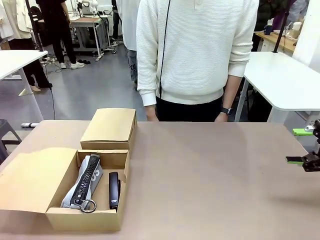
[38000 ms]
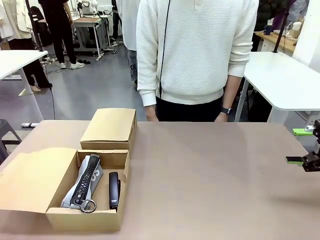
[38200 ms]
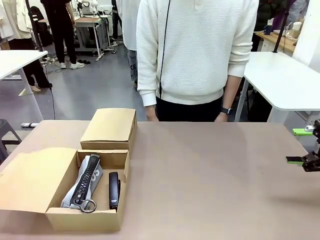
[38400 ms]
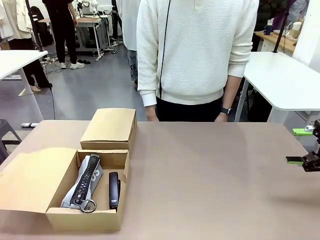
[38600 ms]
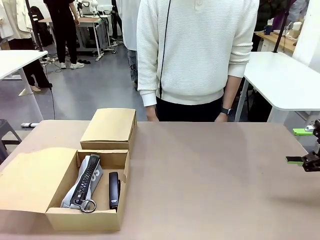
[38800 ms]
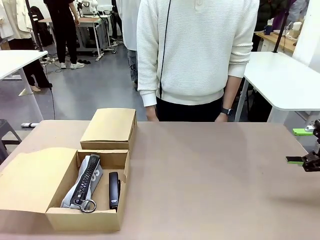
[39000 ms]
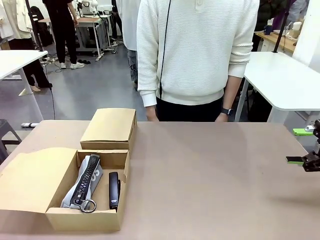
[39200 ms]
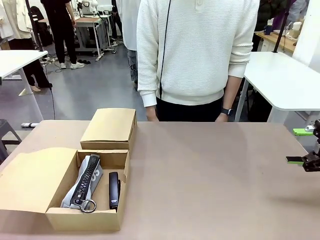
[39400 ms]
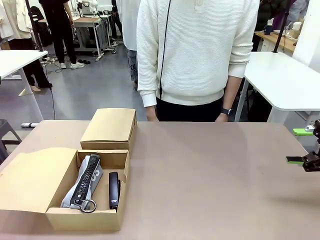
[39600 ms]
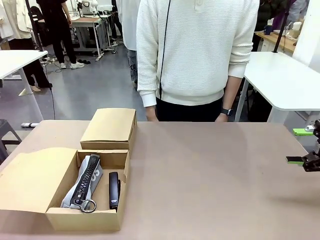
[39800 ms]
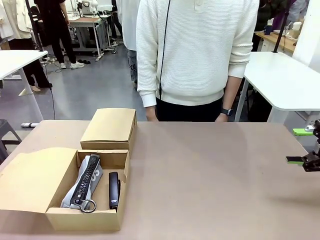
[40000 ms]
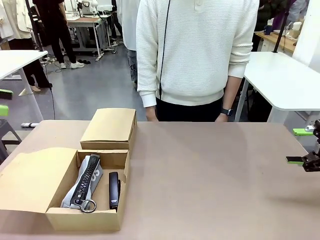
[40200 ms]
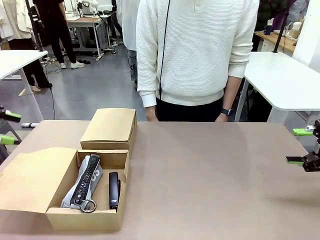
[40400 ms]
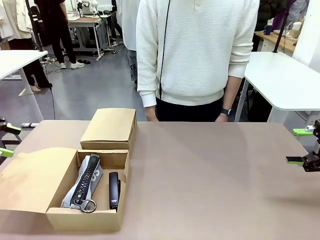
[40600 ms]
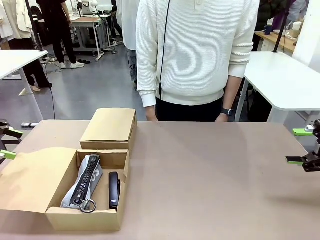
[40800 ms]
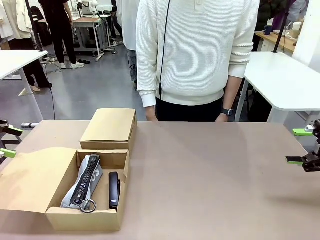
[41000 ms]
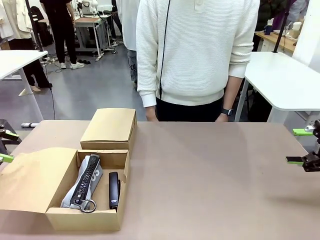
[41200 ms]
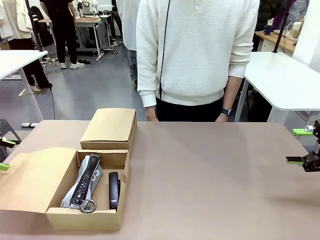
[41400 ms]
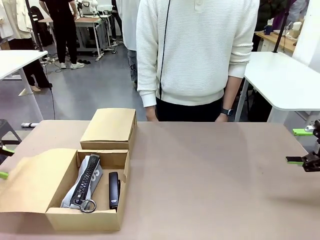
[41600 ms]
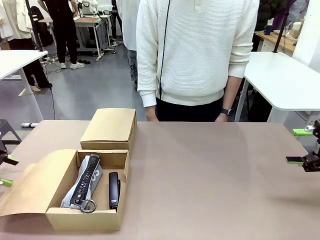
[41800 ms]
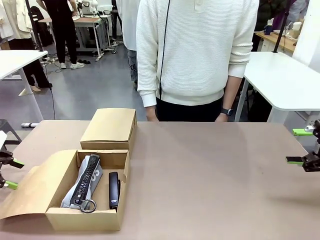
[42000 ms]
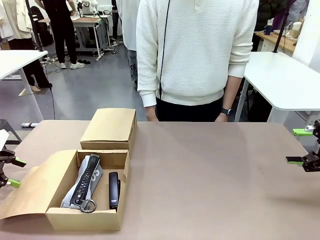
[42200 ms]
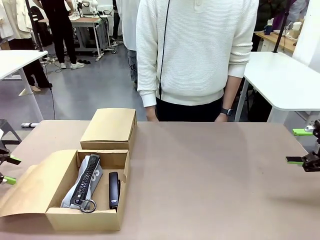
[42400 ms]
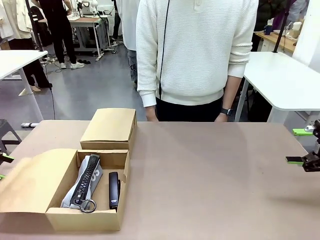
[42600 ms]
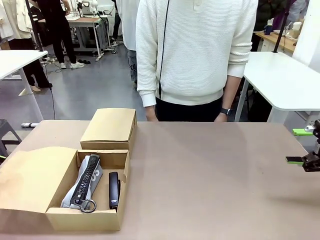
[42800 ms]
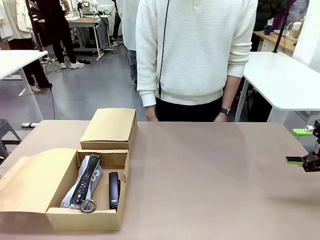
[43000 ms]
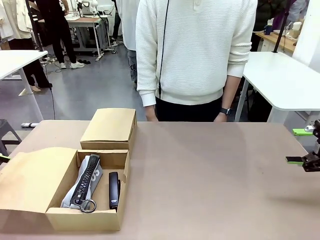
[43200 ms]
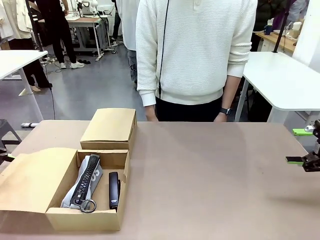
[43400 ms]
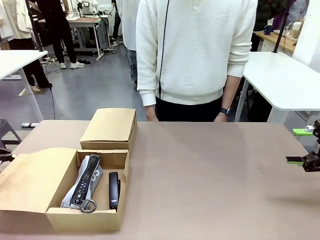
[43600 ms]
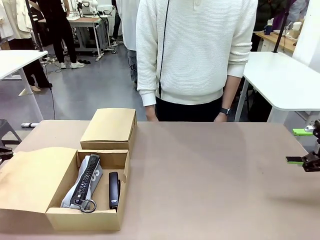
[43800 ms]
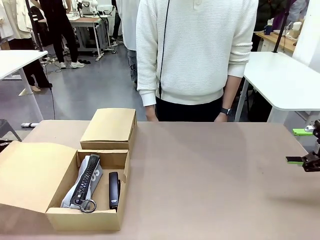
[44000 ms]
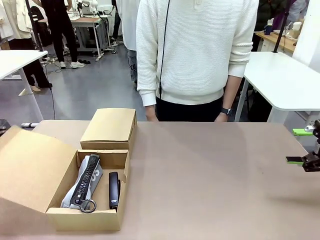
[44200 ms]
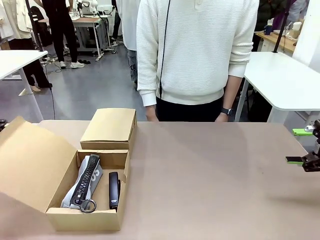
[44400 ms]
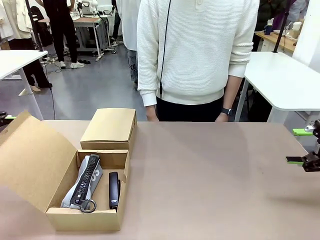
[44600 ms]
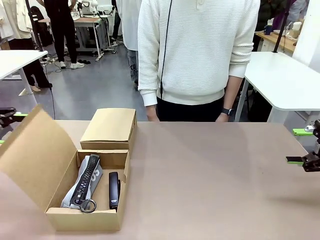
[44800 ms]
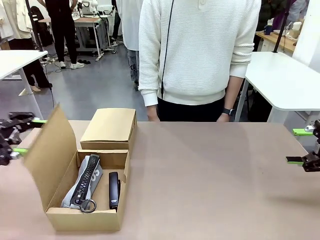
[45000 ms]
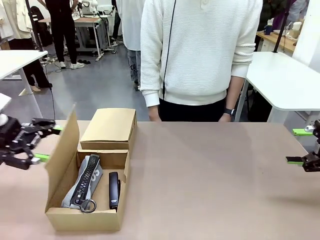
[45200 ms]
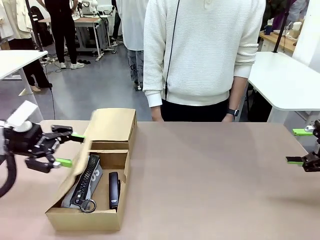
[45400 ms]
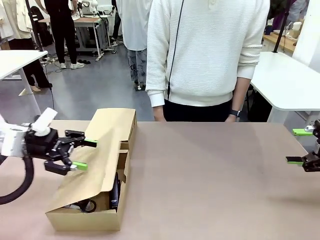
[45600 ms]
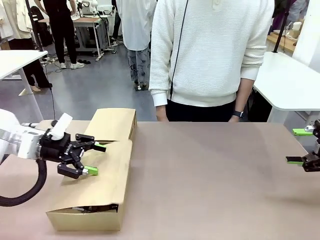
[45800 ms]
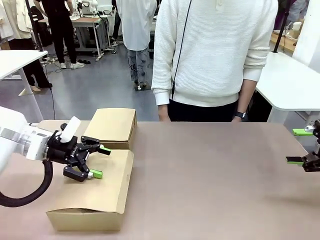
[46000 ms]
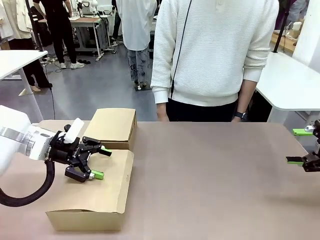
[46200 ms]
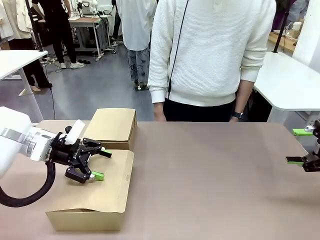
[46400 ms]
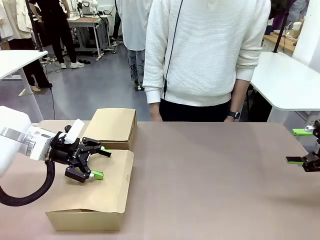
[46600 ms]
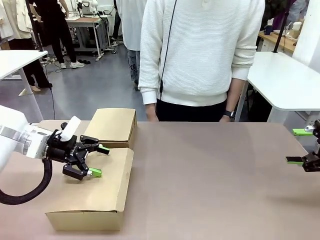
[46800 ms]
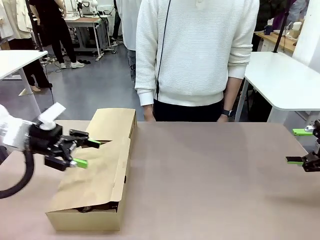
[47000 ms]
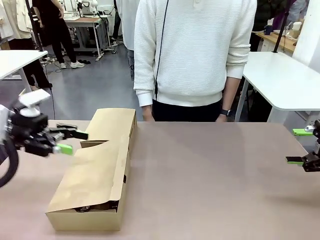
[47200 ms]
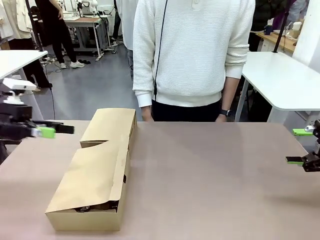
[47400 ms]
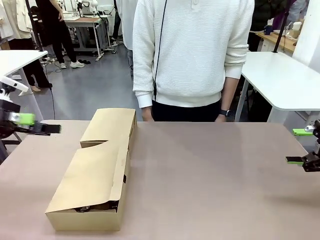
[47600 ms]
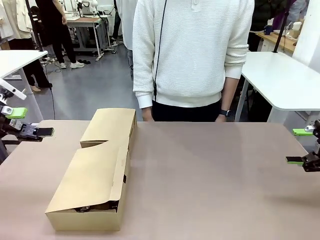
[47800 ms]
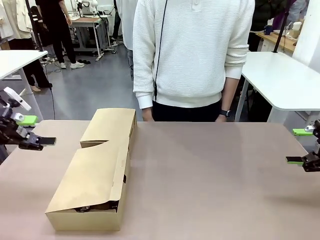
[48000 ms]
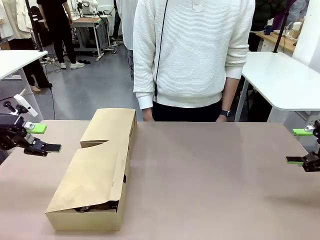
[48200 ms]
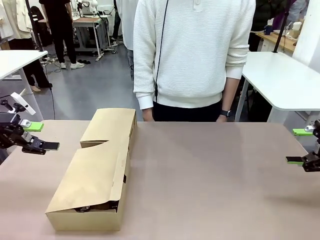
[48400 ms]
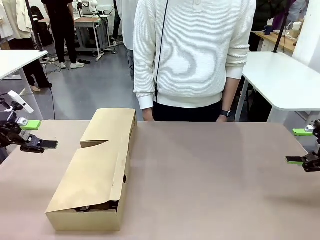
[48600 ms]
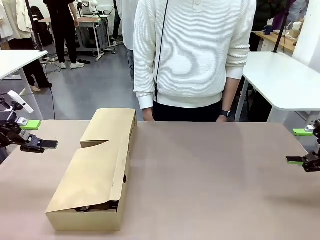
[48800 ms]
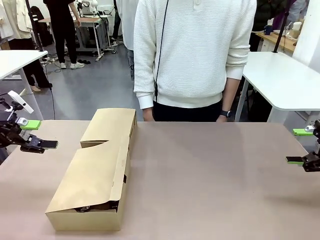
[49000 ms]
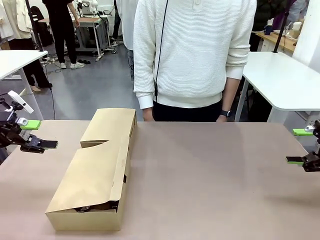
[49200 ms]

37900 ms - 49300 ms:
Task: Place items inside the box.
Robot: Close the lid of the Mailer Box closest to the robot.

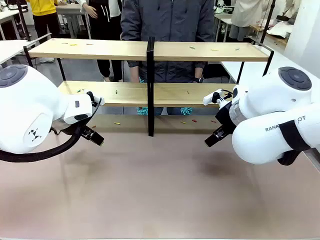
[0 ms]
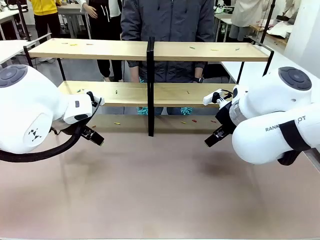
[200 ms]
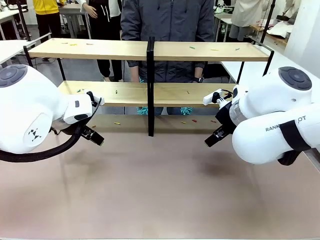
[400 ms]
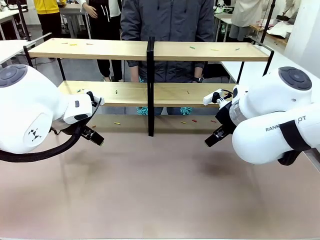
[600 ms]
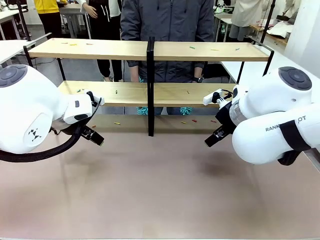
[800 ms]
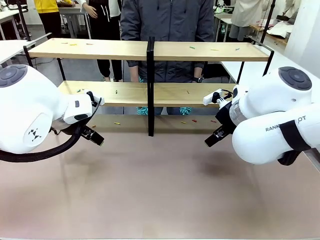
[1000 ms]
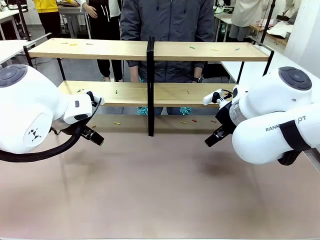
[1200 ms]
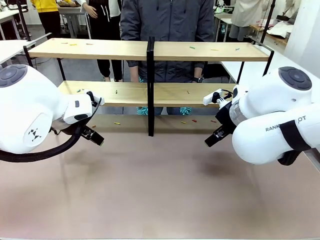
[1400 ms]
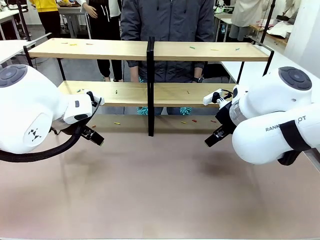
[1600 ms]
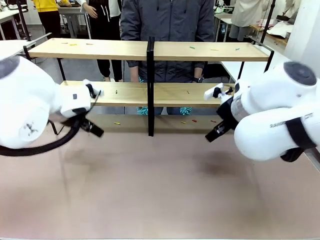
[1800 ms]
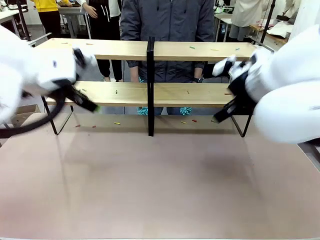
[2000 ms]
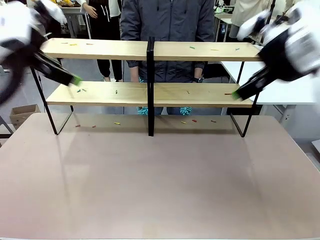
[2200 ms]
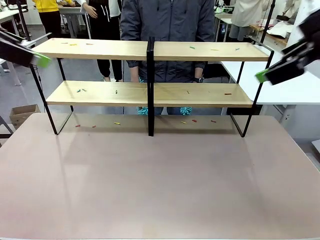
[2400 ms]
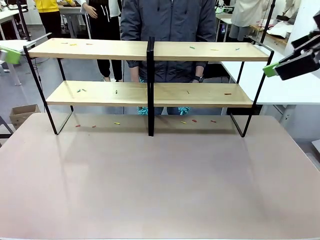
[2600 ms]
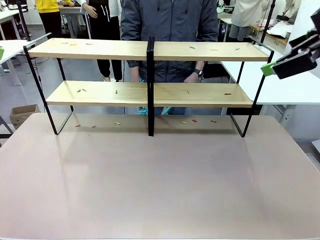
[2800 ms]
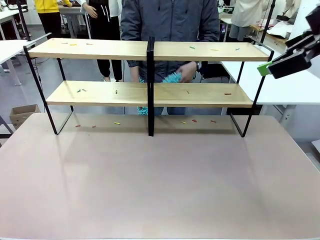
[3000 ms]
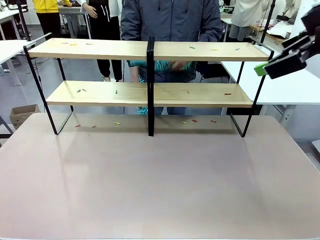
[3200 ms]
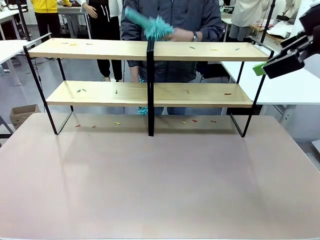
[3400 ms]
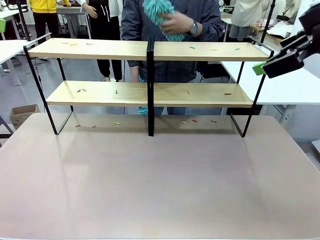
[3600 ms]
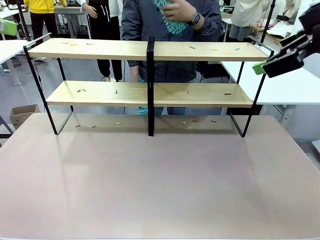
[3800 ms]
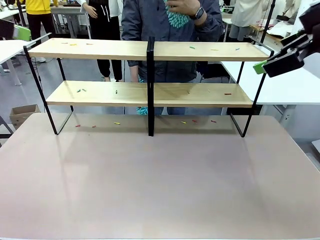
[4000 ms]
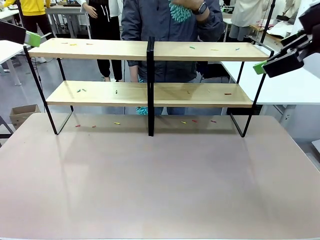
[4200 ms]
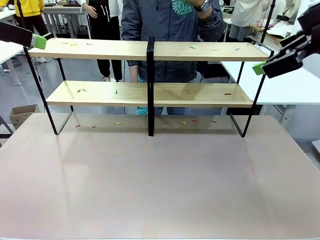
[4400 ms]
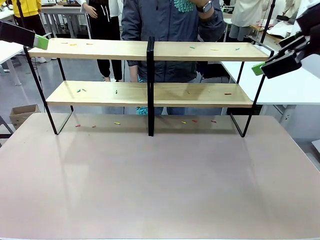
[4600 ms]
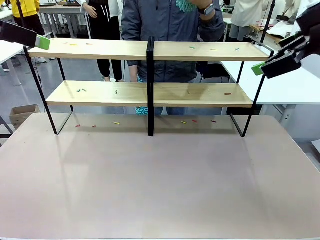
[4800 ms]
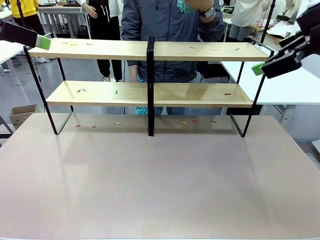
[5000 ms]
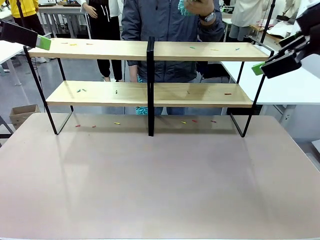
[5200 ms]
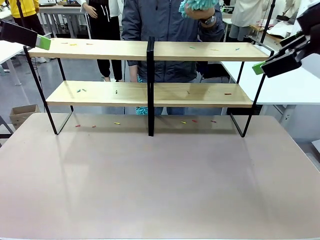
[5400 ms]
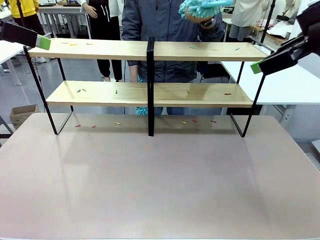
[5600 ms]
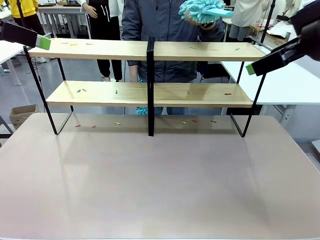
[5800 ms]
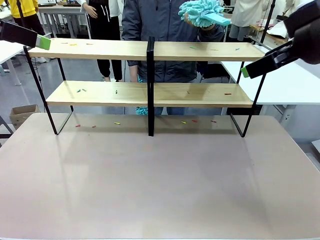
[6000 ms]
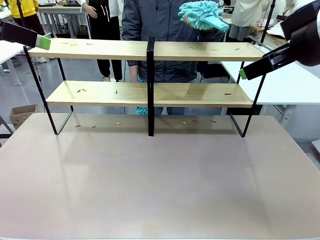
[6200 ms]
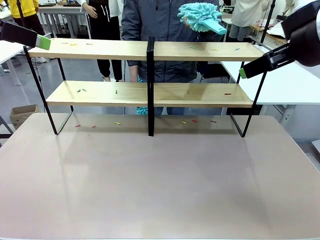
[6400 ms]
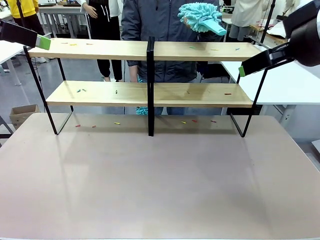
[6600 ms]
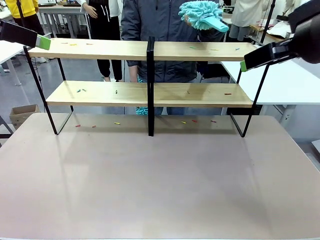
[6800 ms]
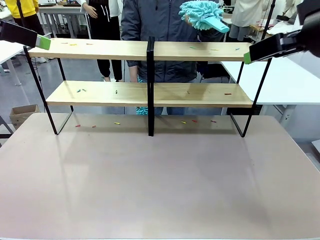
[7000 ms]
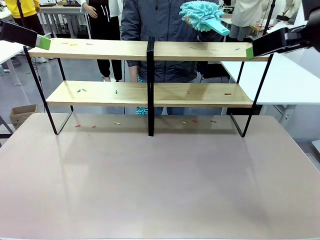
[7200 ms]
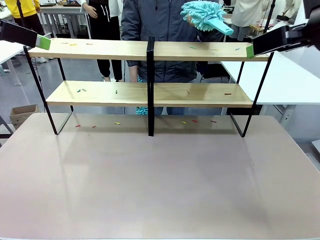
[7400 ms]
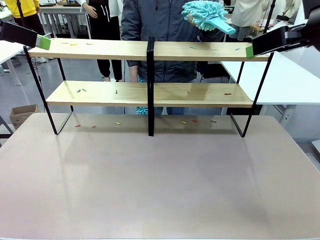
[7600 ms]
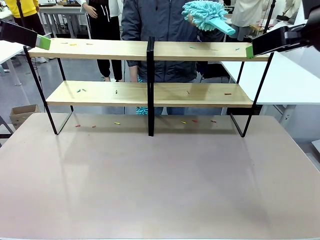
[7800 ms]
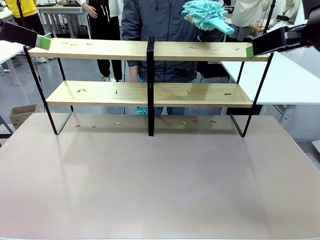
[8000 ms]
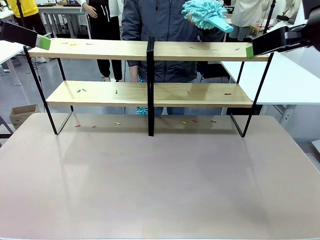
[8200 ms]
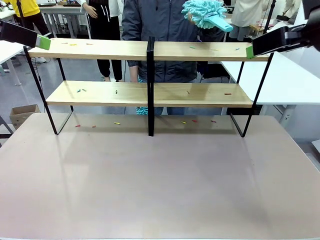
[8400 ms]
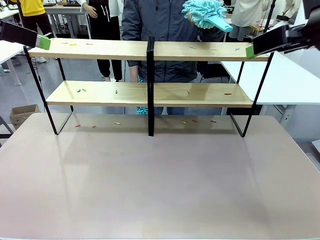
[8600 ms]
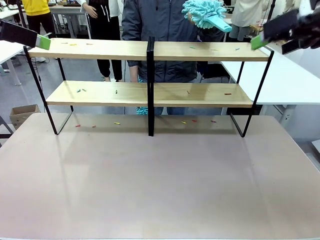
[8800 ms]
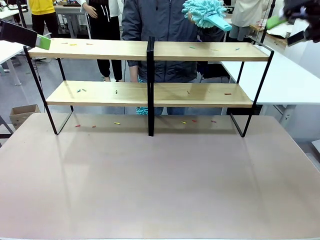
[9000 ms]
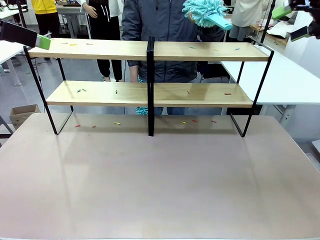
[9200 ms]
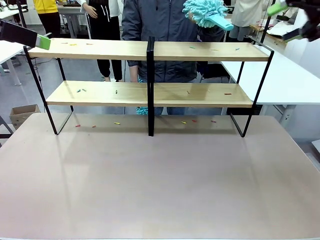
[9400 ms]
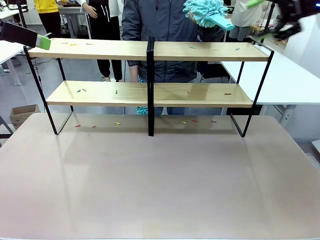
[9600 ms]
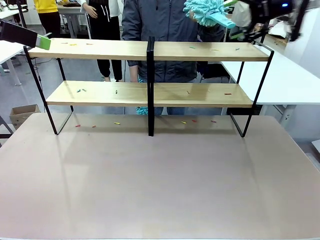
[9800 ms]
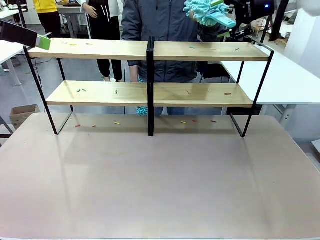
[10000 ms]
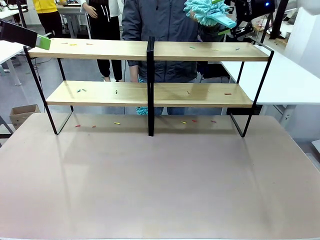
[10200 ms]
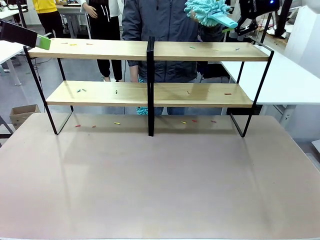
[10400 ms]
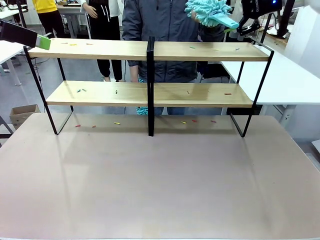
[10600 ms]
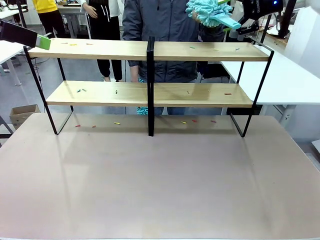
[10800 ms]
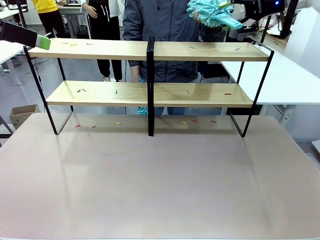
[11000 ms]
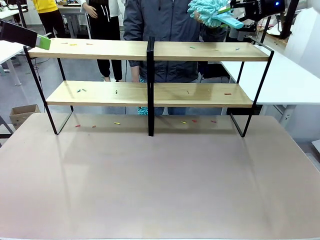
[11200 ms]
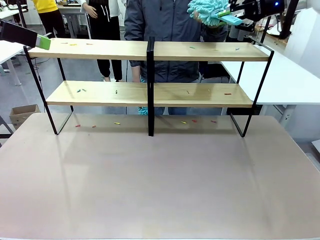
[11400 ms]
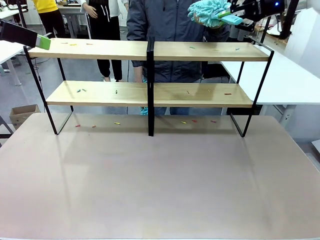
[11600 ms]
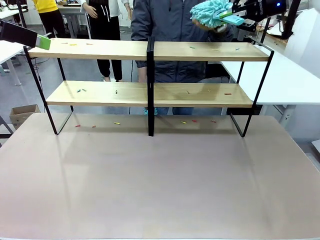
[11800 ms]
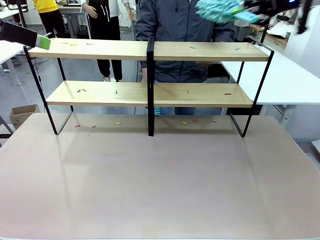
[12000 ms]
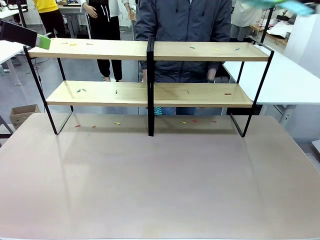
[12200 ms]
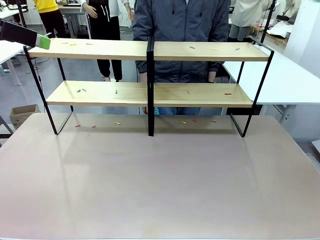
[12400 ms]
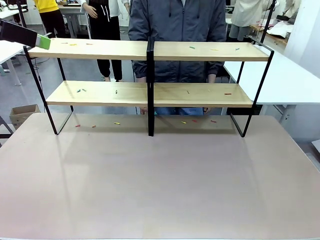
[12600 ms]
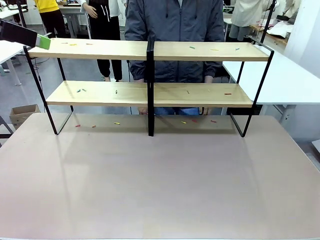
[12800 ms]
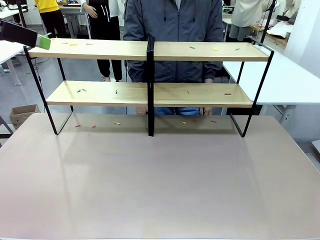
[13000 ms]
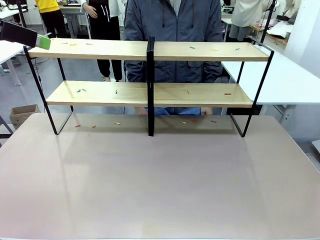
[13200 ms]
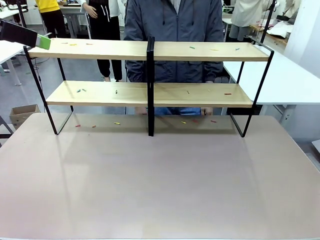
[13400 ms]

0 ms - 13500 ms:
Task: Clean the shelves.
Robot: Pick up the Duster when the human hands it over.
Person: Hand the Duster to the robot with your right (or left) hand.
